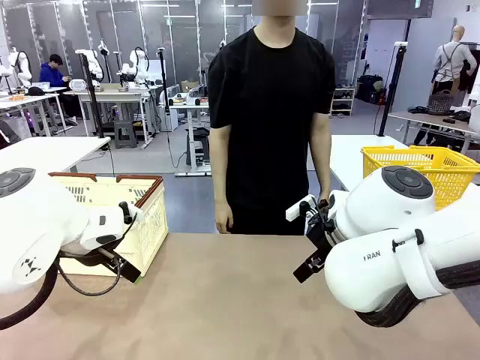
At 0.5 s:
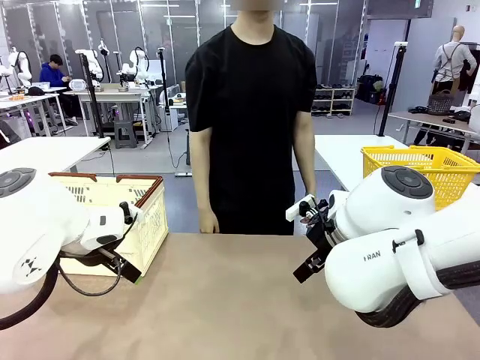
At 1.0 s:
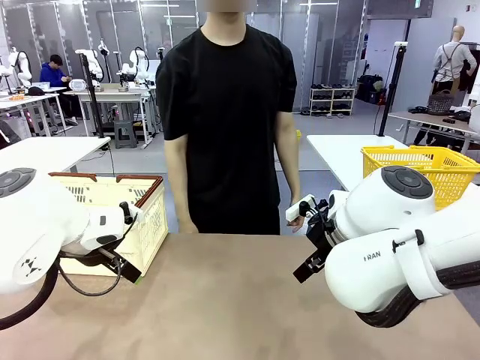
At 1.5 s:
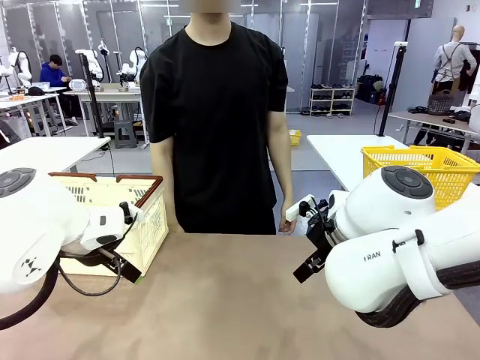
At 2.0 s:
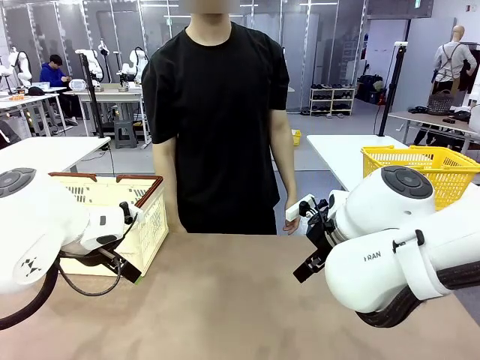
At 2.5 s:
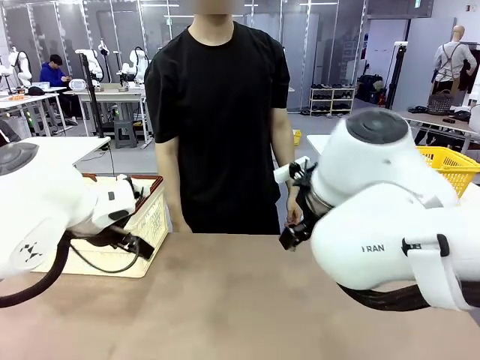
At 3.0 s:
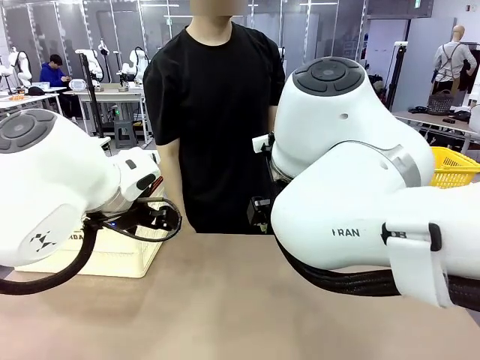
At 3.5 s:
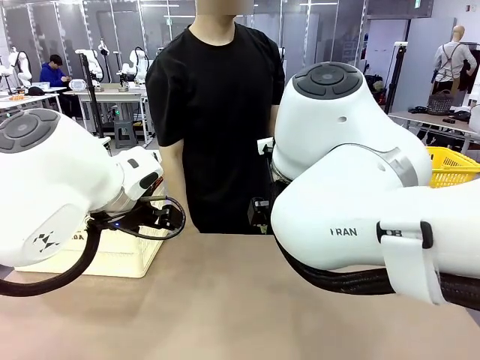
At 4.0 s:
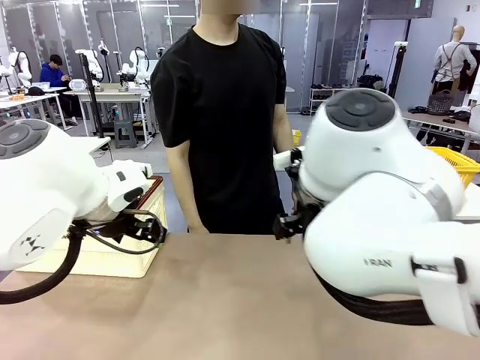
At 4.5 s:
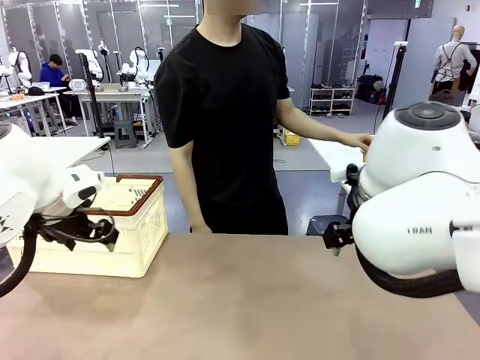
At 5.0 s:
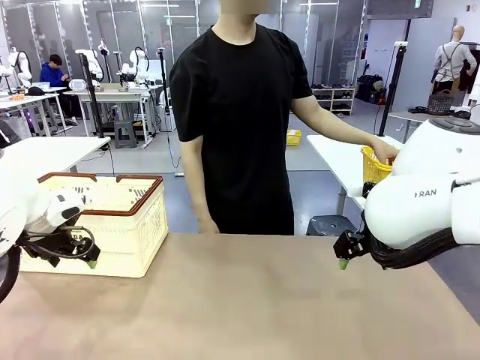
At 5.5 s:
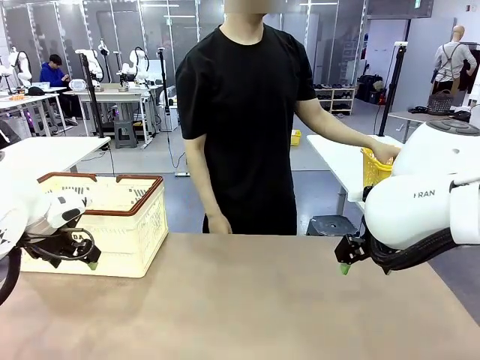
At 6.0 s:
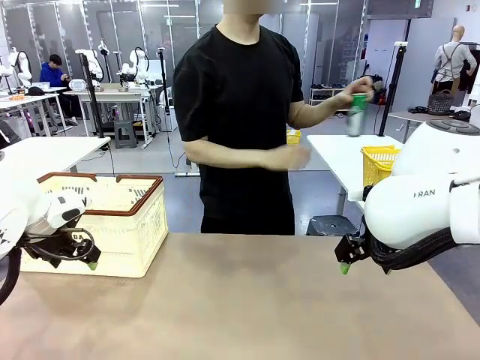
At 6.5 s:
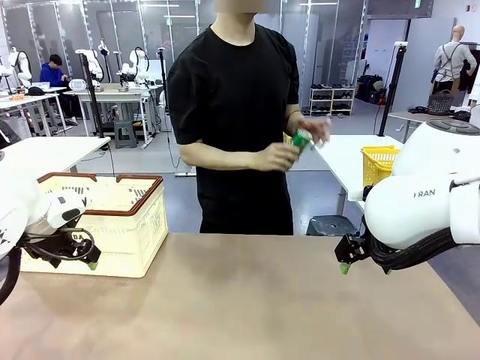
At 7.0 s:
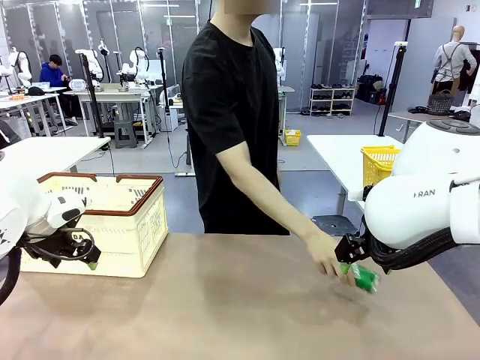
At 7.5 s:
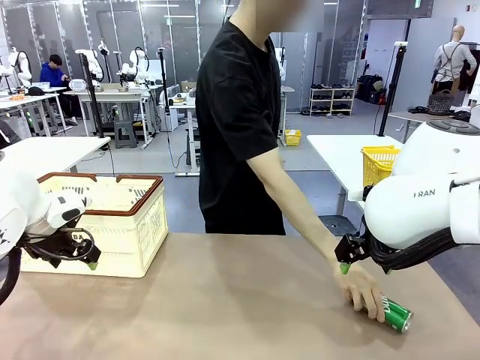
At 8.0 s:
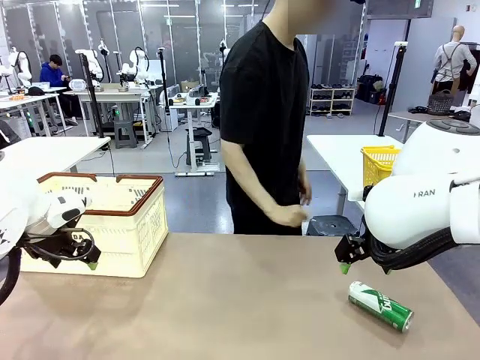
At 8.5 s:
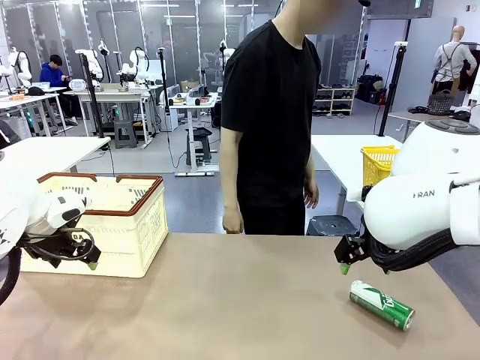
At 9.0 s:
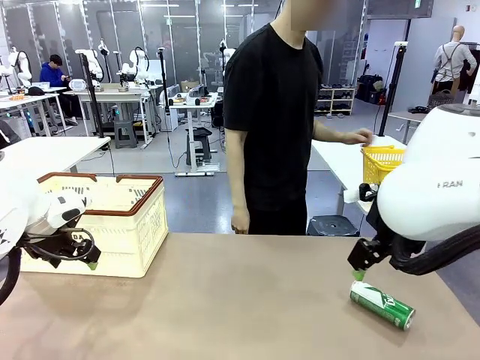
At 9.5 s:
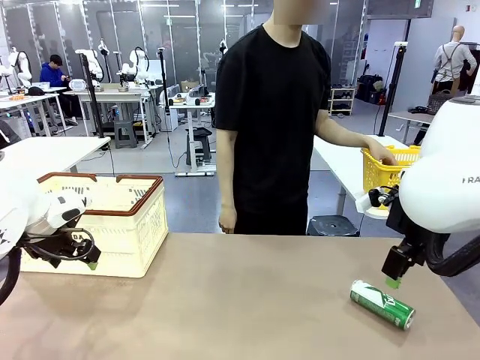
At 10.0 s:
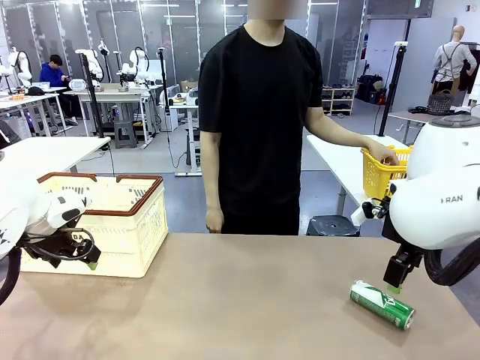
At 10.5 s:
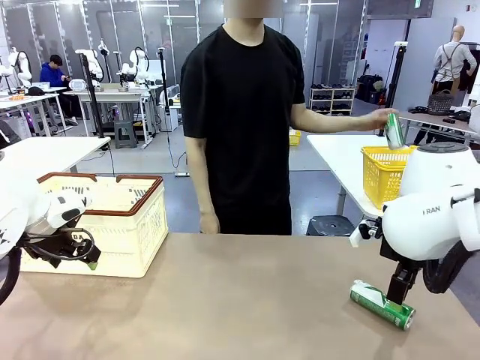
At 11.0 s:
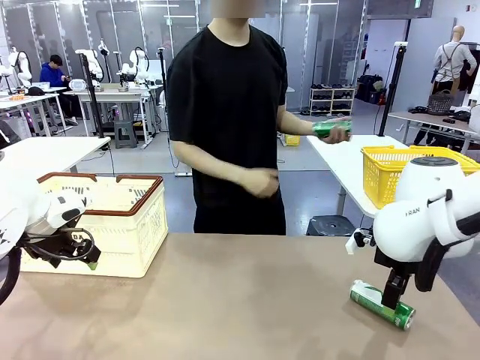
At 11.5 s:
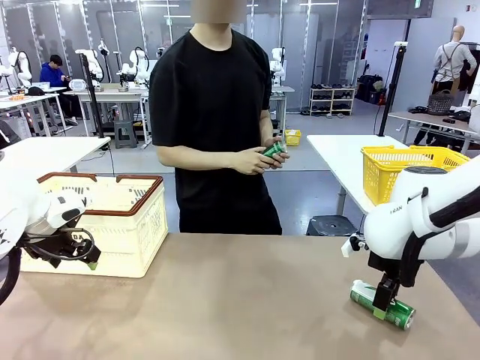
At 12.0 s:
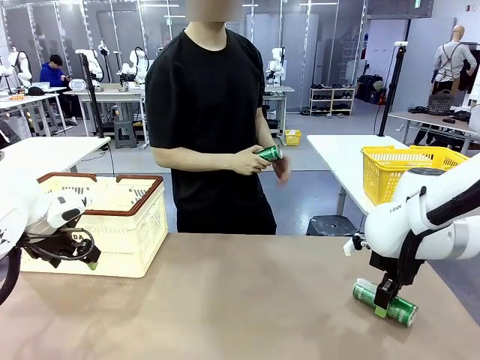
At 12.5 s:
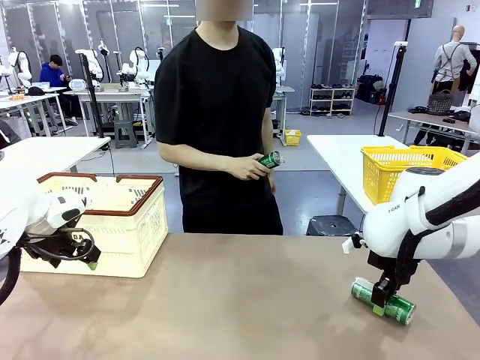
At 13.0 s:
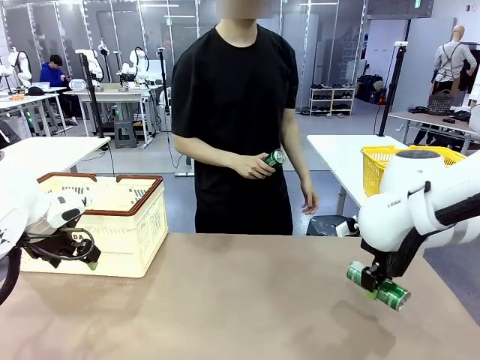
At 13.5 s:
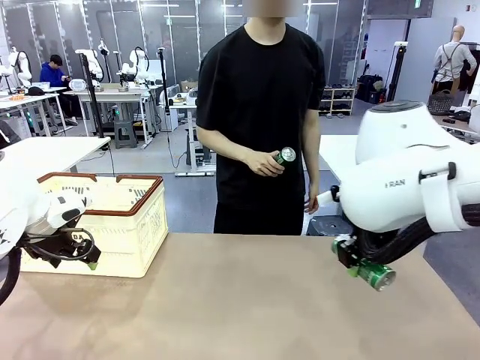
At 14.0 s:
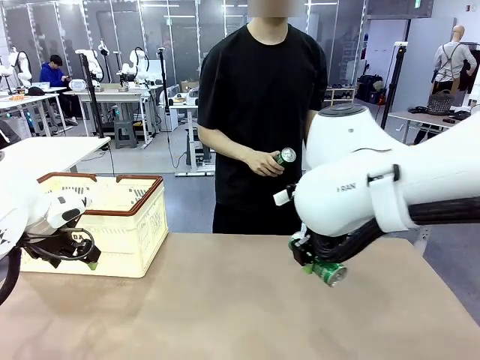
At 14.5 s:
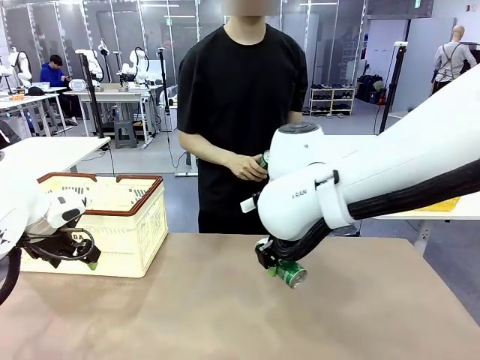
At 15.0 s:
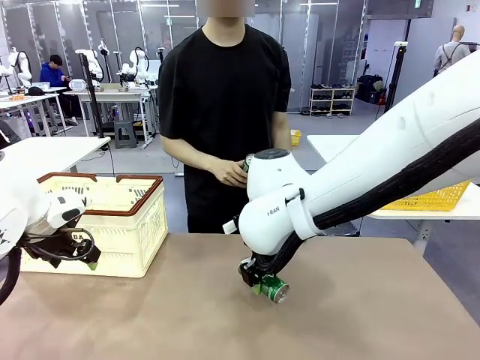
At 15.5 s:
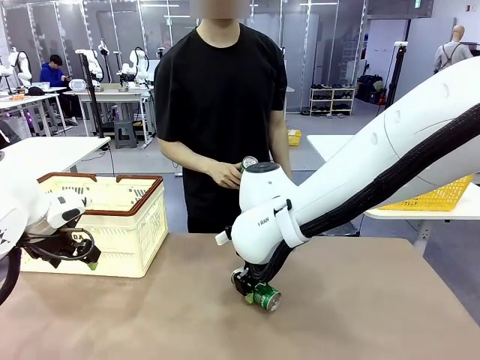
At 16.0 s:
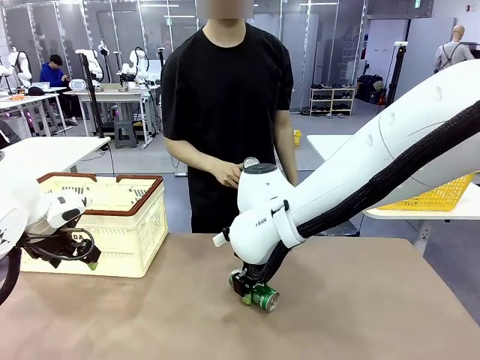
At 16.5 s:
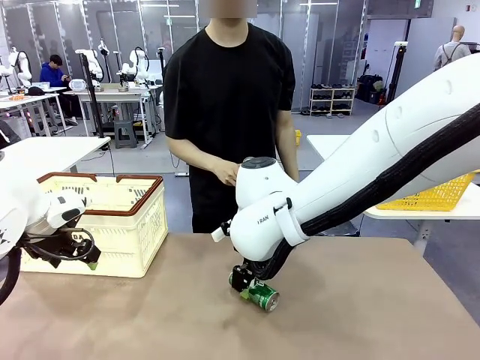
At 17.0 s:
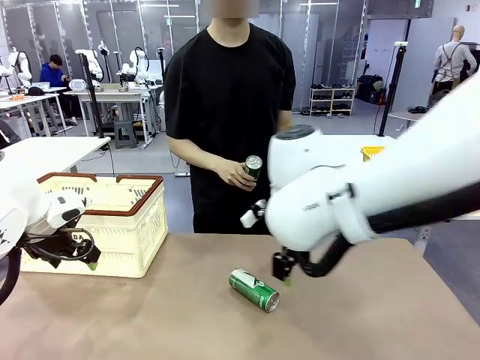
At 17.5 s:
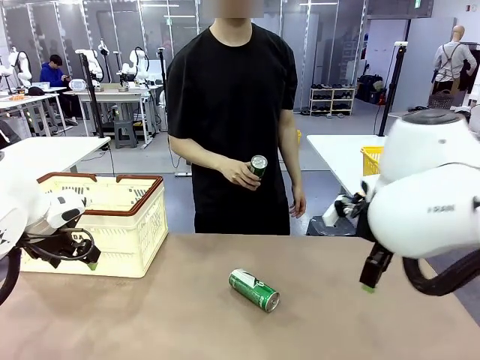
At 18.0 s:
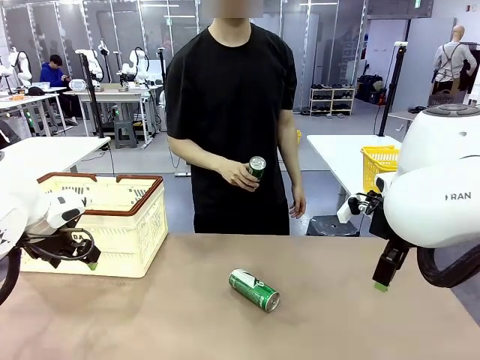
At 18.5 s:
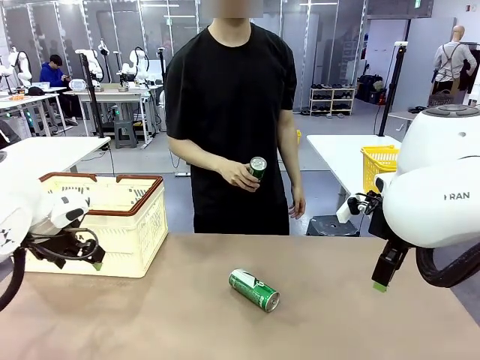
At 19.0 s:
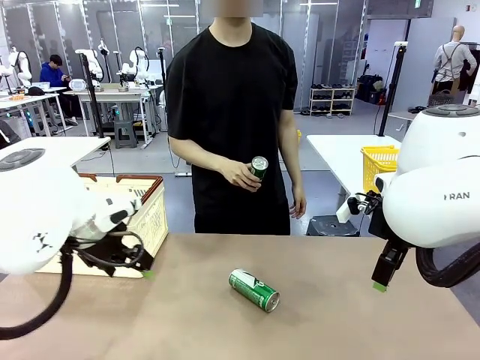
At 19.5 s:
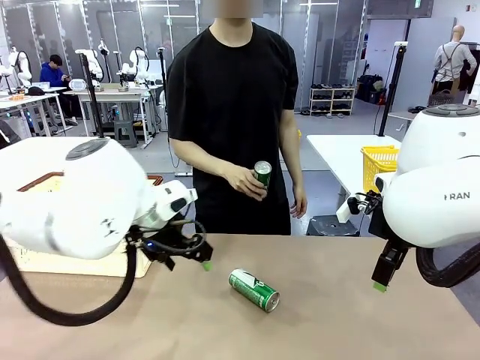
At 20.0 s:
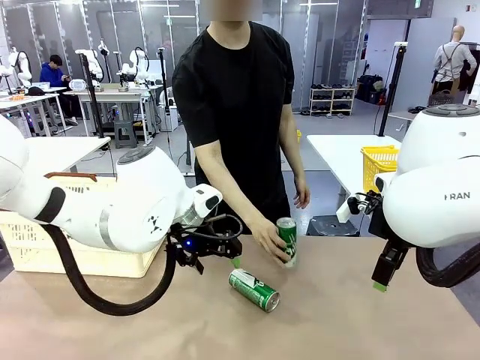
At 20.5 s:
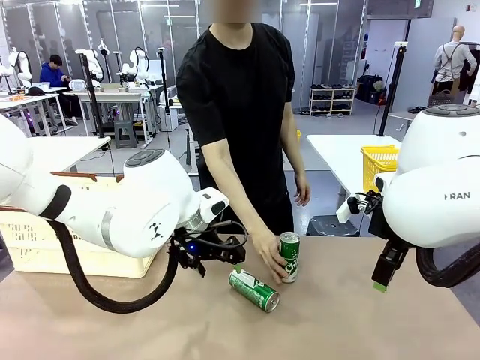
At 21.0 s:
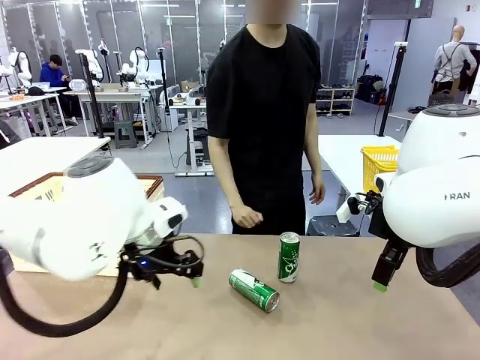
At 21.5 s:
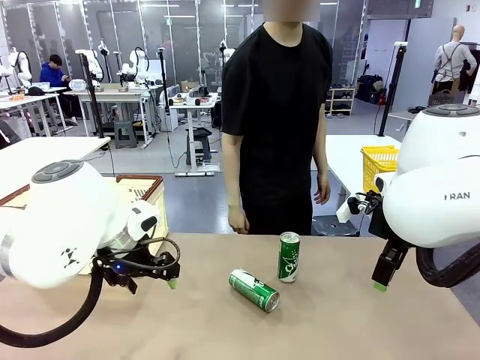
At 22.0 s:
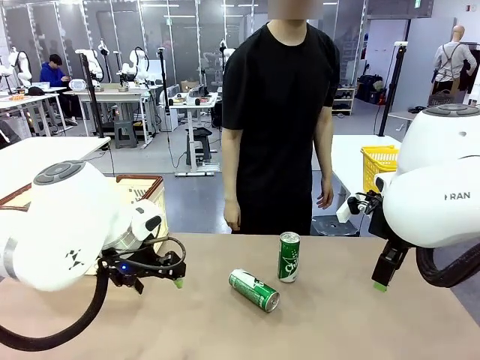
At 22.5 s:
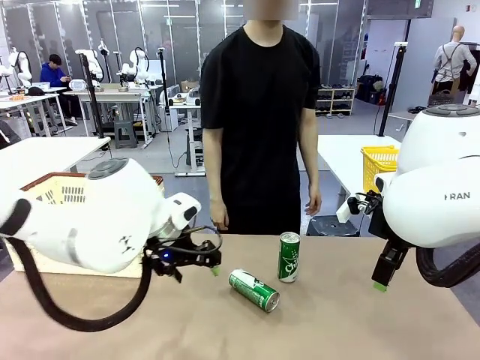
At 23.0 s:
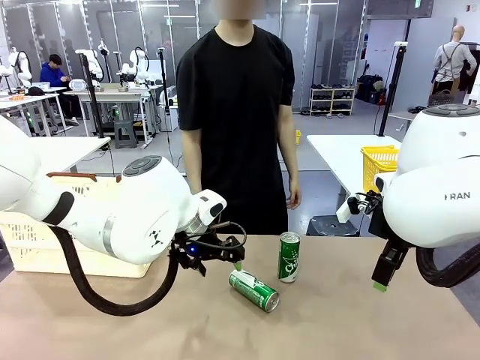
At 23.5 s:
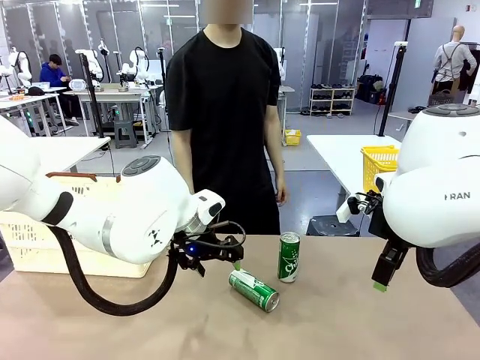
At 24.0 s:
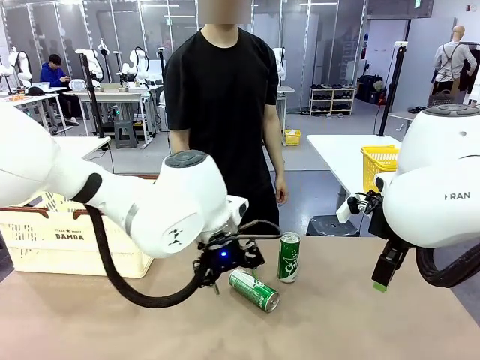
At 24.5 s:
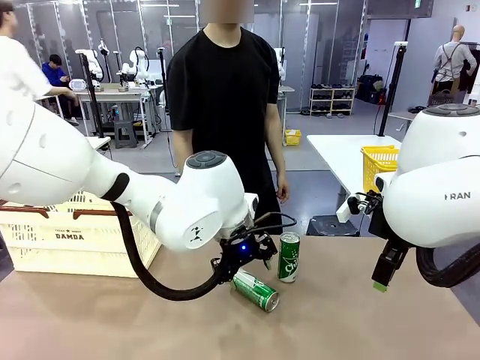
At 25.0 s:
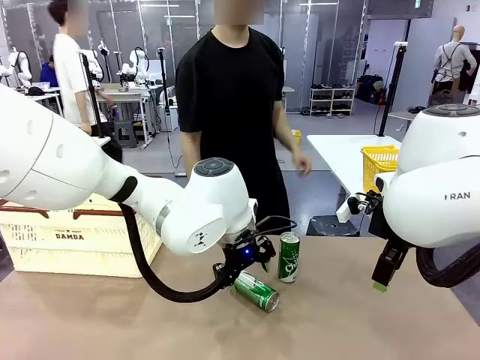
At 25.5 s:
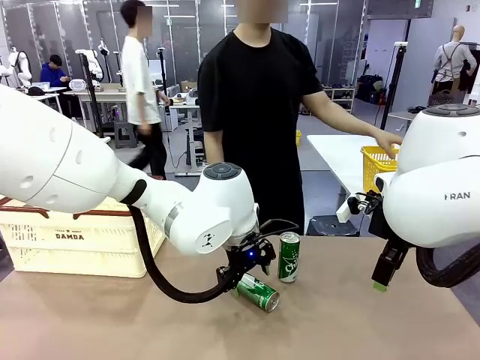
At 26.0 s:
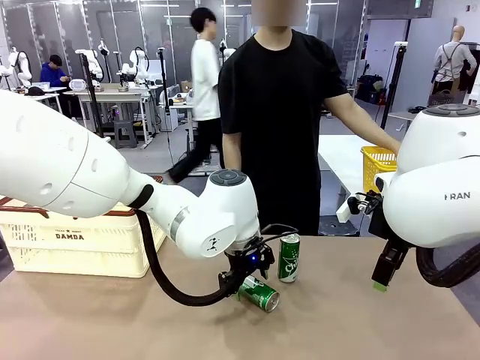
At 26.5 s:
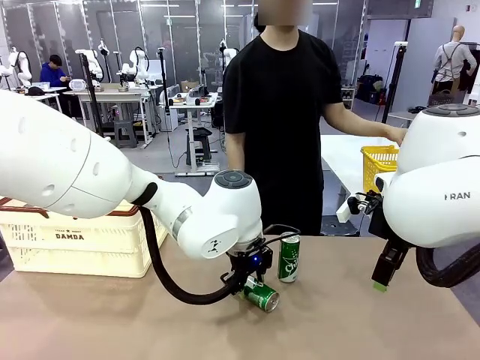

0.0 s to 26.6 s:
Task: Place the drinks into the Shopping basket.
Robot: Pick up one drink and place it into the Shopping basket.
